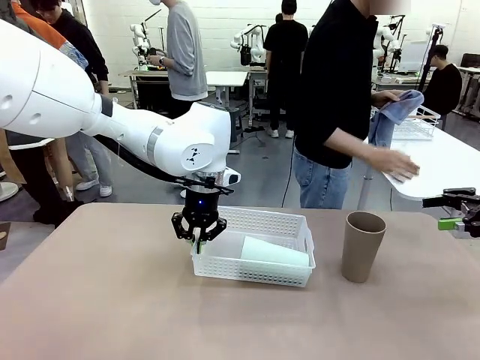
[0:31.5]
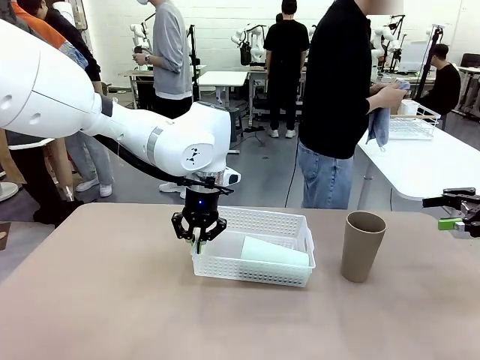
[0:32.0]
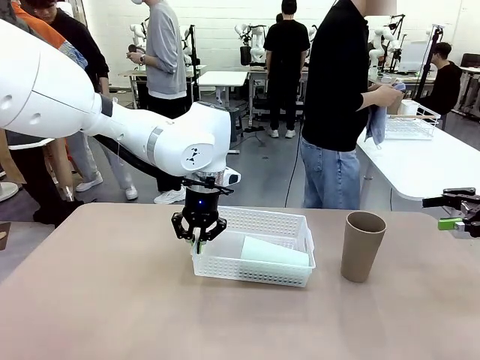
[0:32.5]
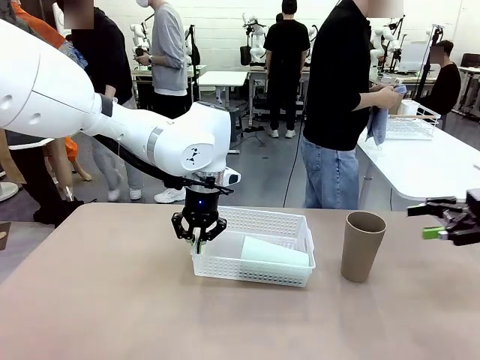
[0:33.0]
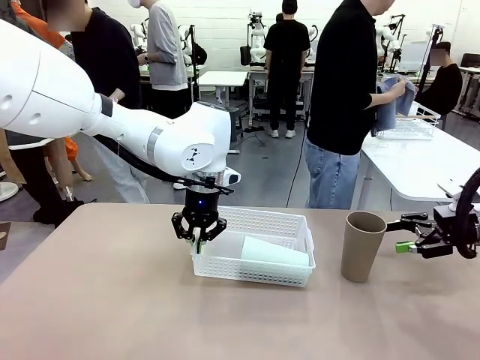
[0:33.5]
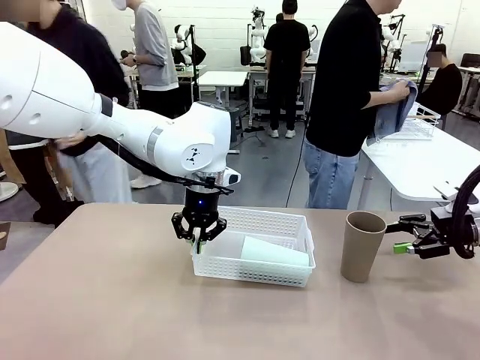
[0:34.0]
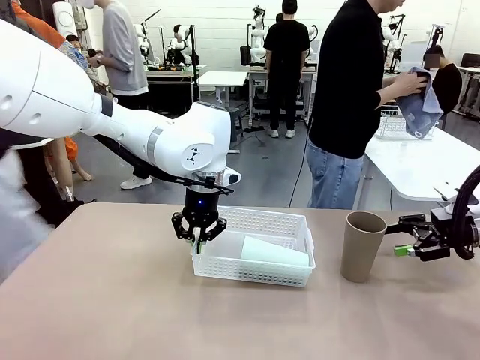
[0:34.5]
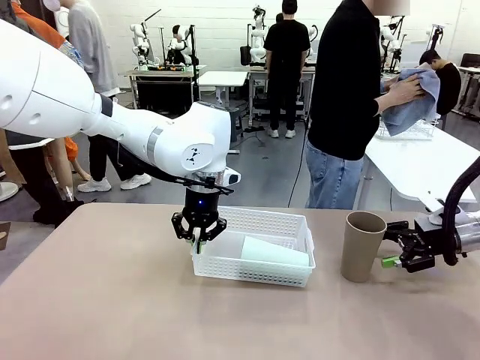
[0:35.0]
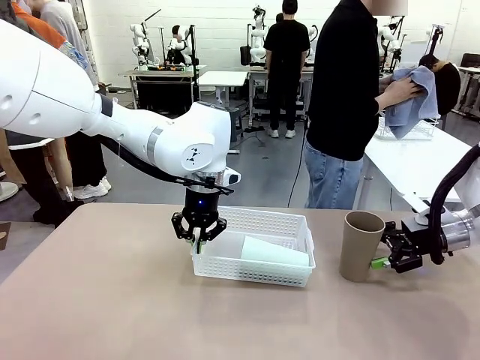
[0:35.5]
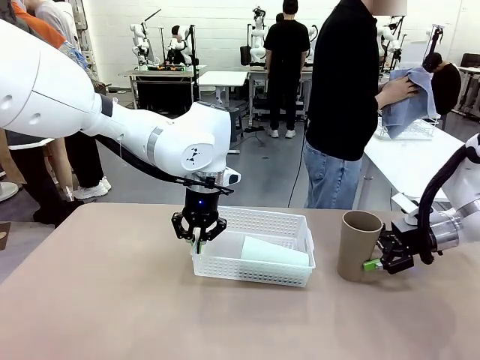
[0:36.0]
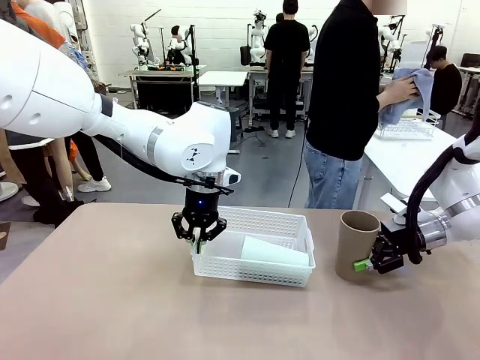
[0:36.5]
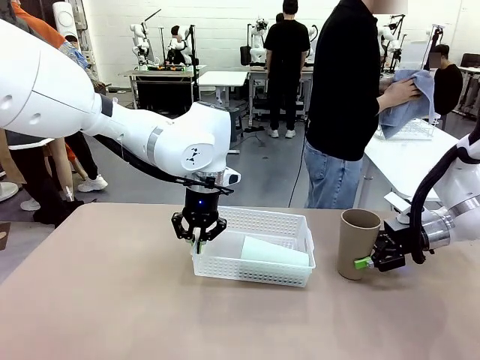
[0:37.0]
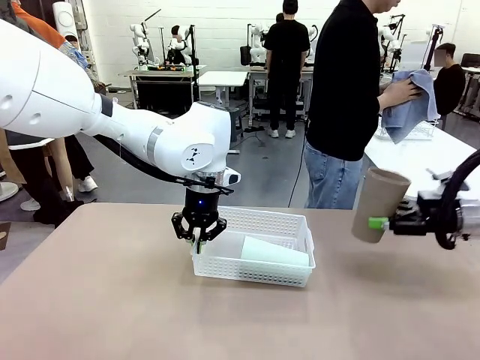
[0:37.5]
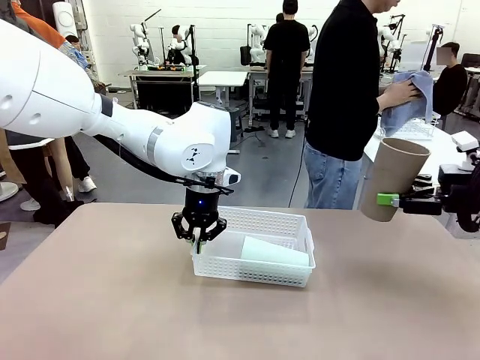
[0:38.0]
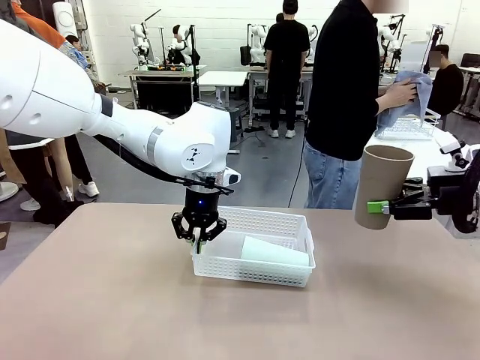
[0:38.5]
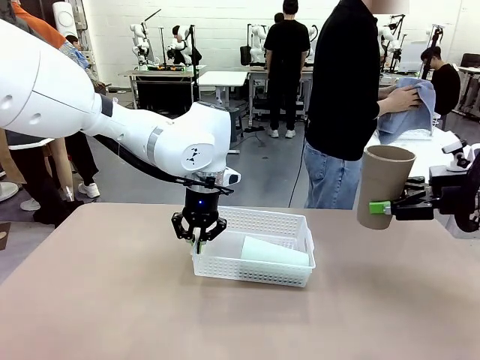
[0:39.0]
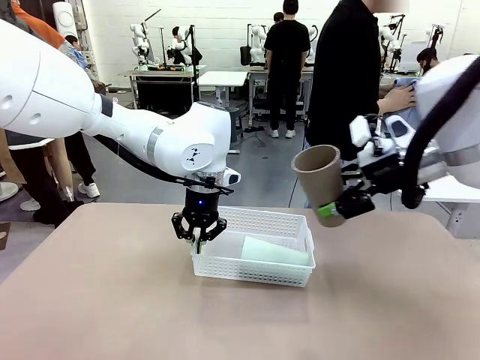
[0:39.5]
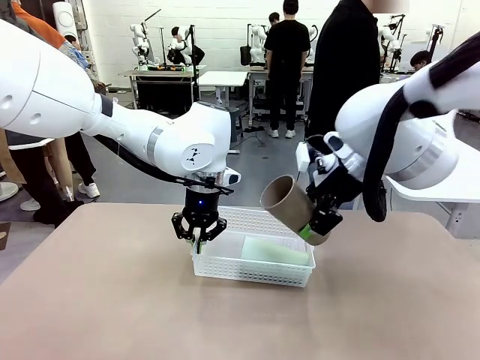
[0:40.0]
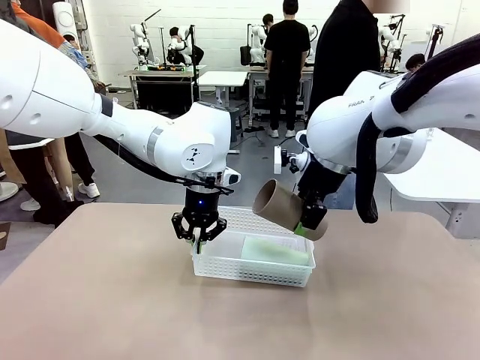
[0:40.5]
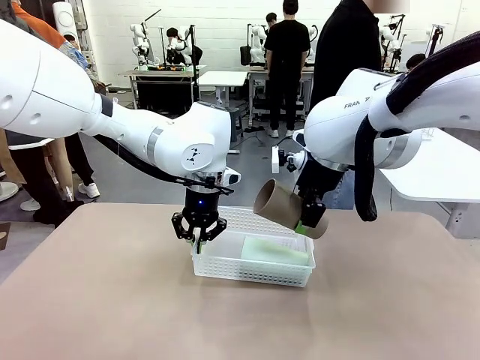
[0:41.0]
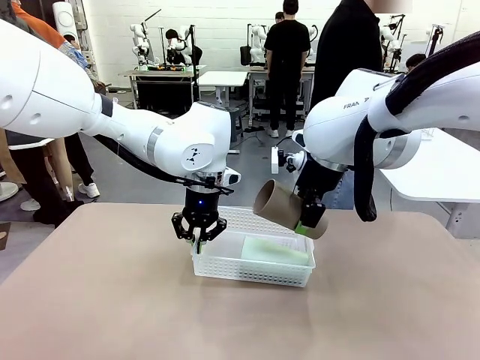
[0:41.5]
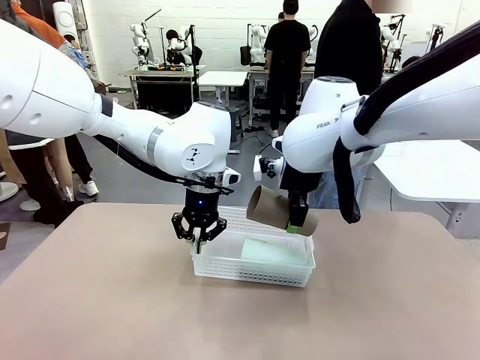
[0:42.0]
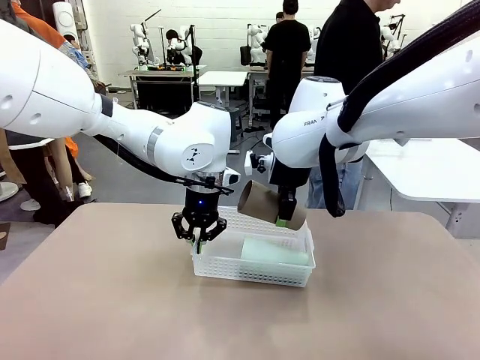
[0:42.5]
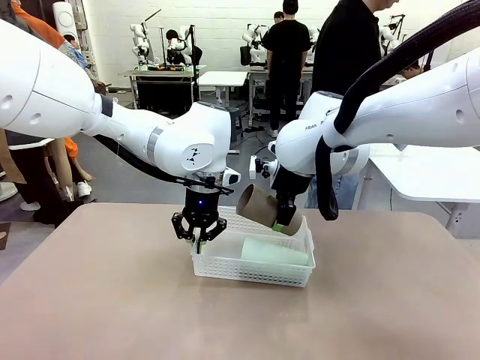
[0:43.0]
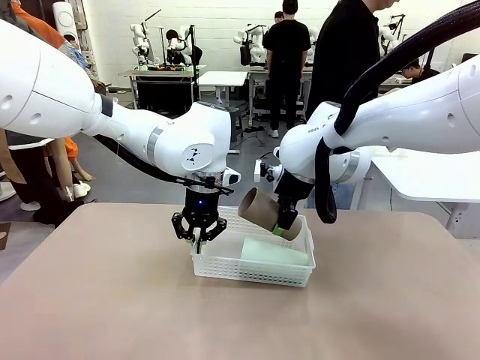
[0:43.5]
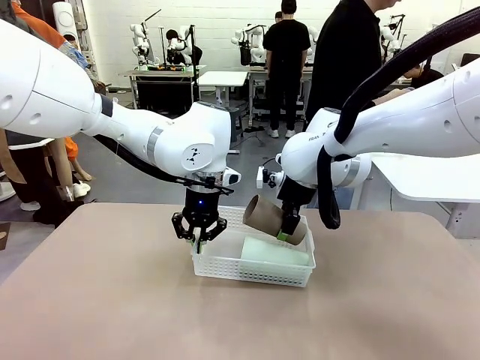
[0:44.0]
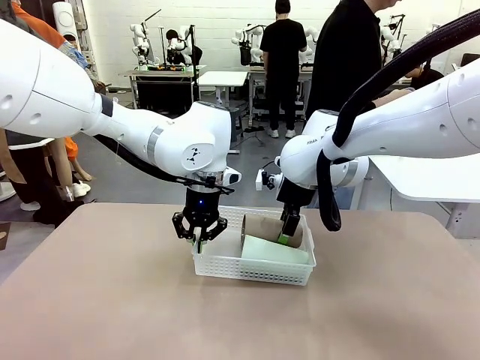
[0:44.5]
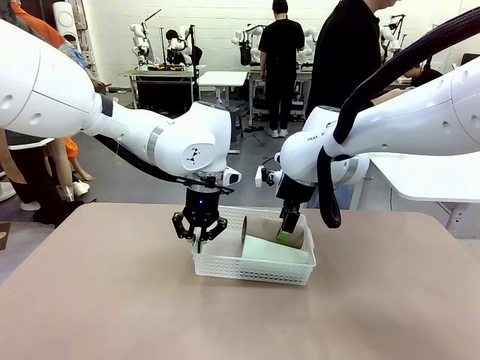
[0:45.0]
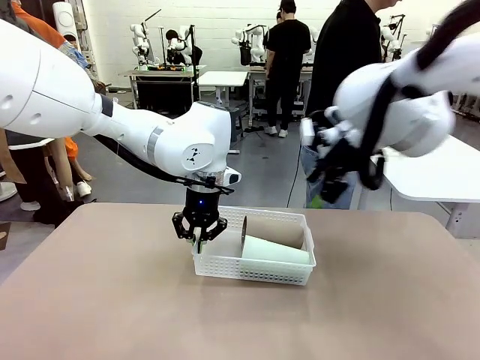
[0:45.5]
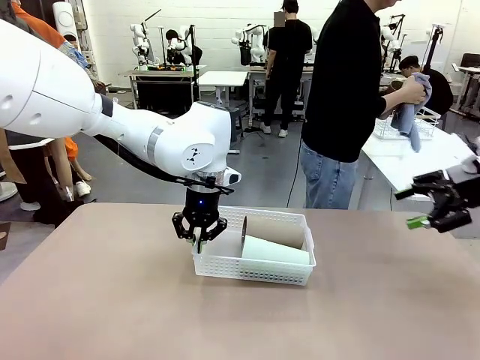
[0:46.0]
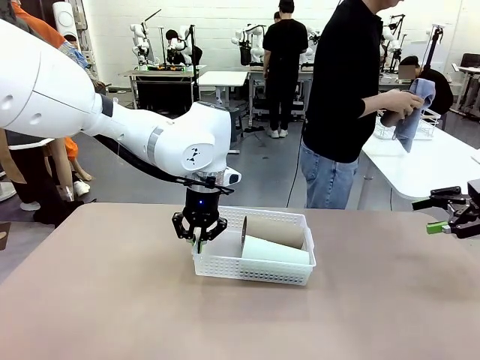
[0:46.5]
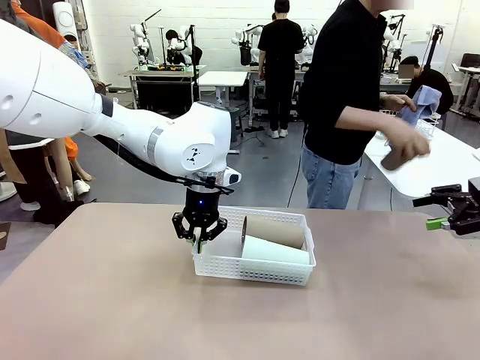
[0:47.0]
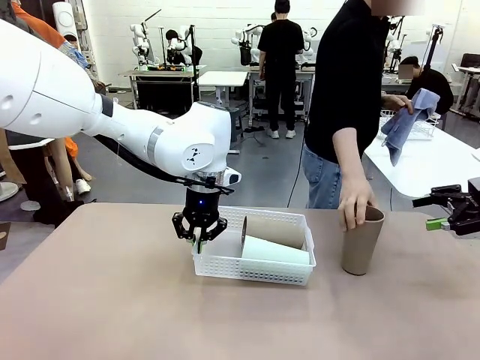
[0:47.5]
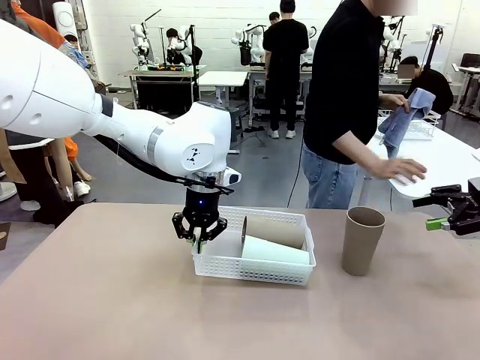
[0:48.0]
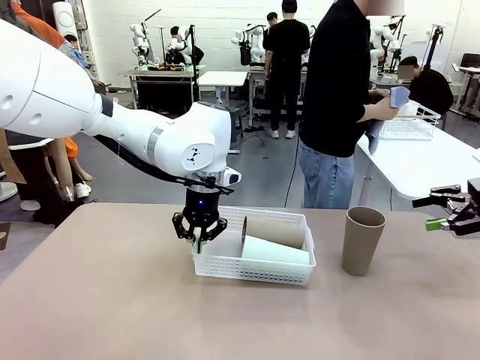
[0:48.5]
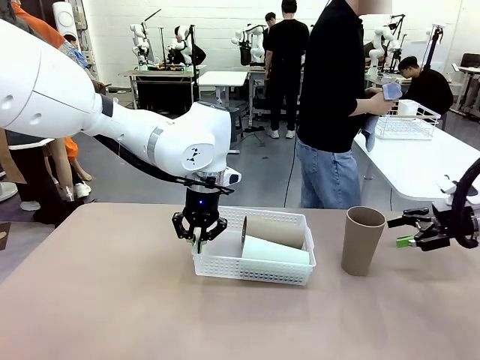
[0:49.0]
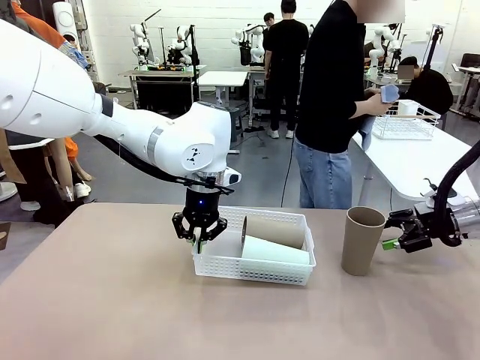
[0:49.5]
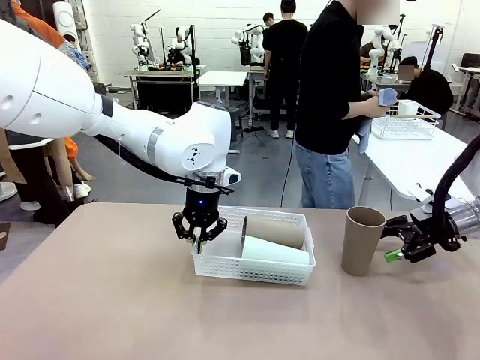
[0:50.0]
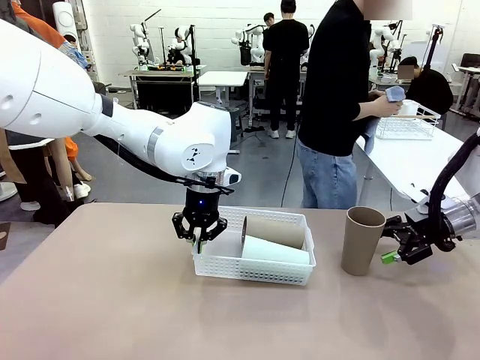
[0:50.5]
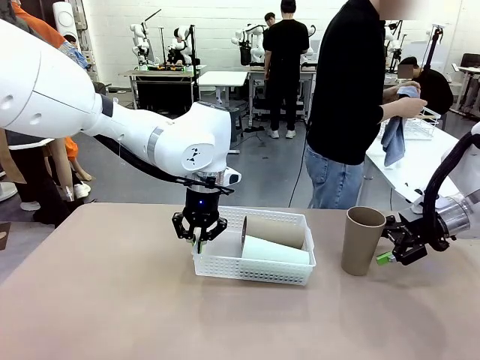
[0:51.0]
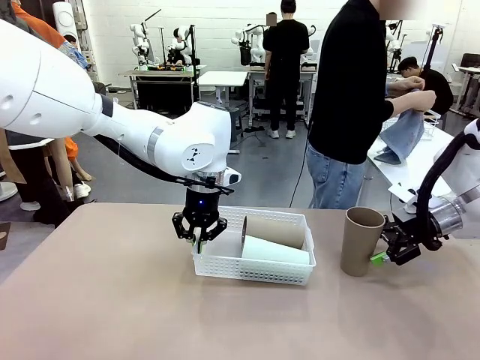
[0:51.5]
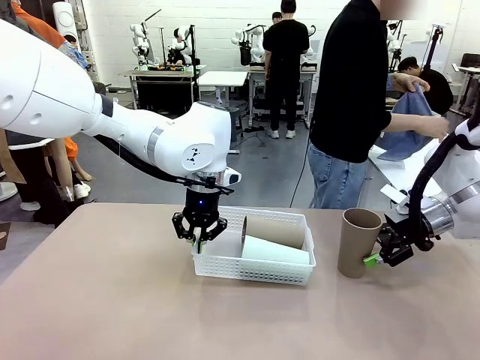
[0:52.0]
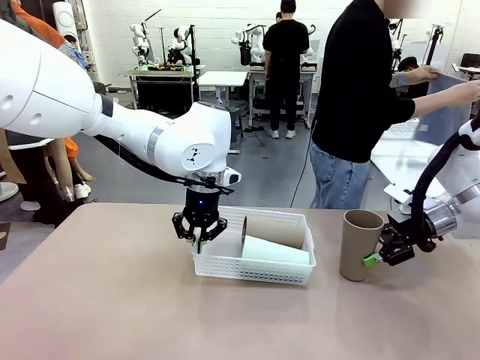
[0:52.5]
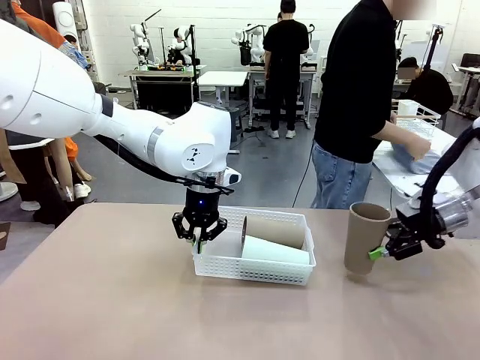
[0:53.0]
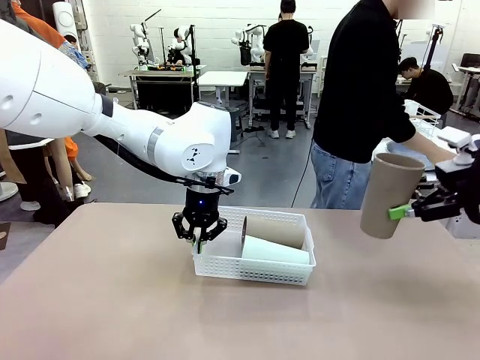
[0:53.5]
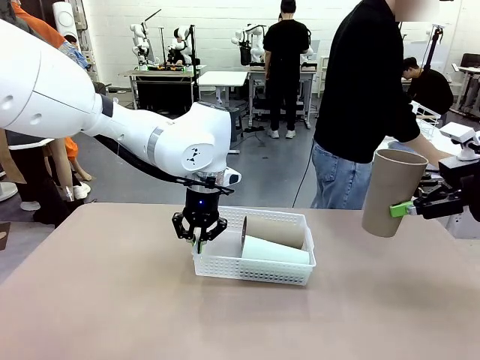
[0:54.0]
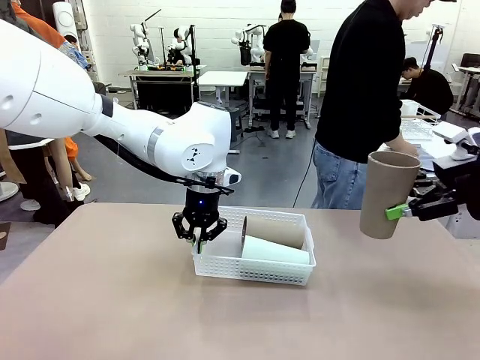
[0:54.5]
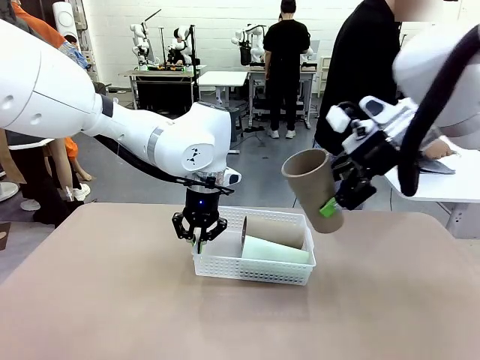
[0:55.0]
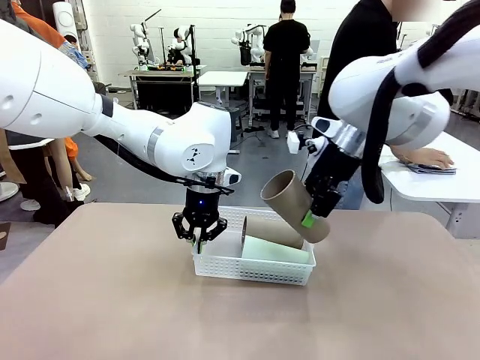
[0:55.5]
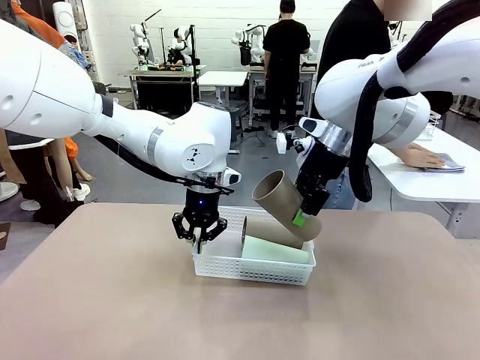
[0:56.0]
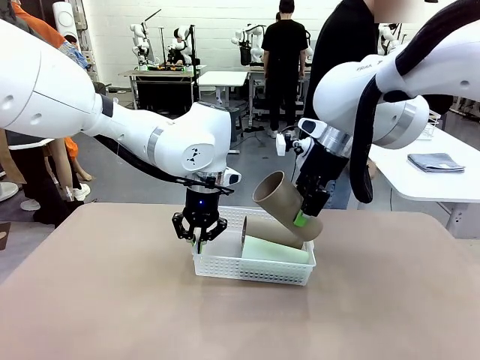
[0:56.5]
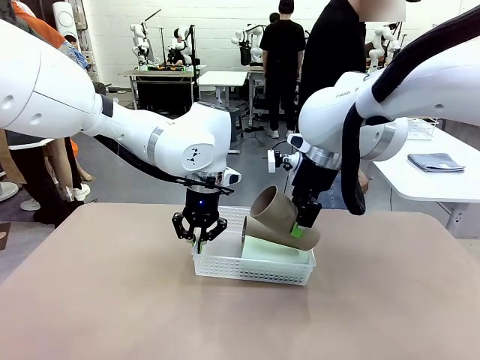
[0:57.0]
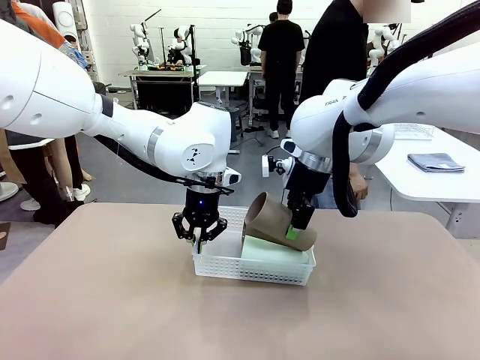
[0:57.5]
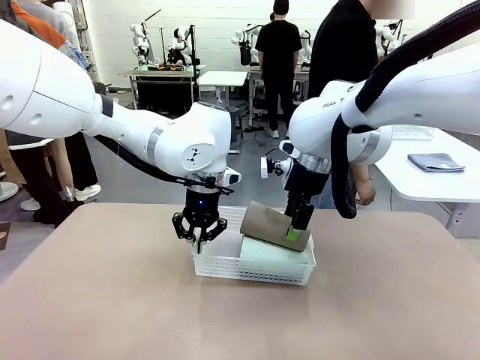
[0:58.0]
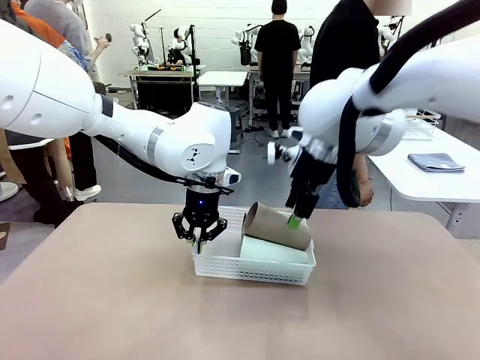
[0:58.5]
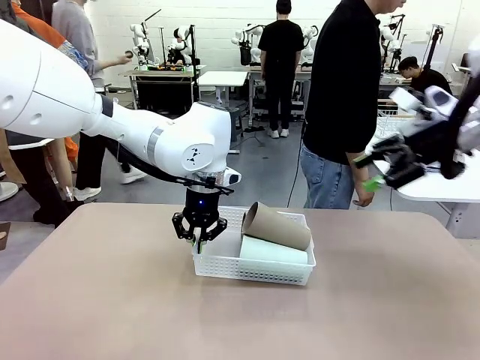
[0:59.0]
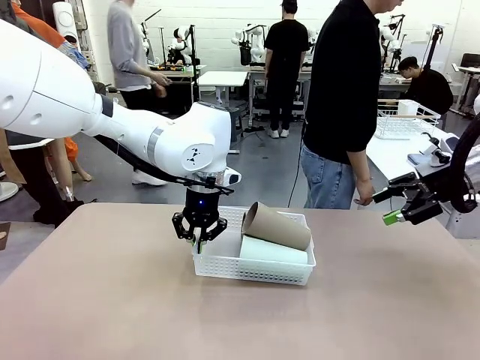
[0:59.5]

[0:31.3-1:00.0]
Task: Clean and organize the cups into the basket.
Robot: Pick up the Reusable plastic cup from the right side of the table and stack it inside the Organizing basket in the center of the table.
